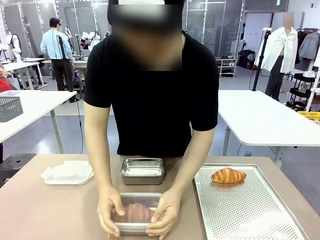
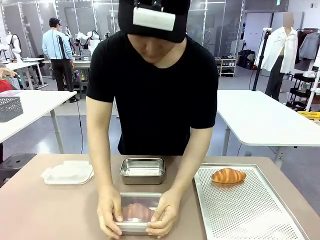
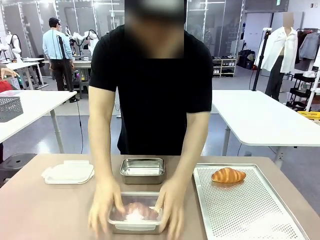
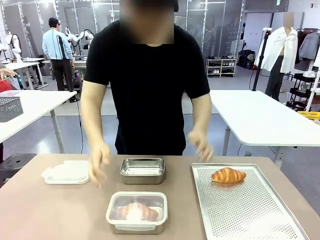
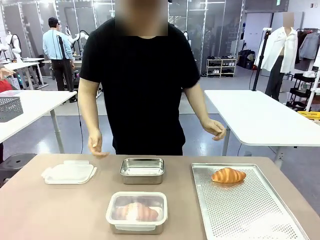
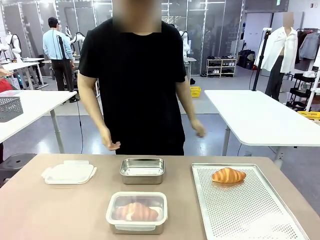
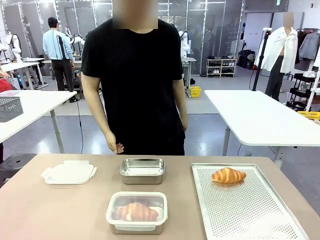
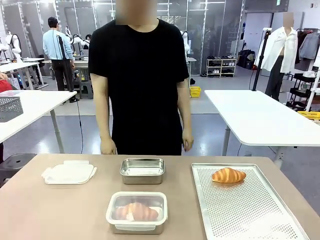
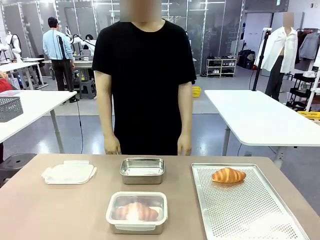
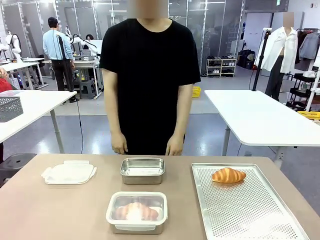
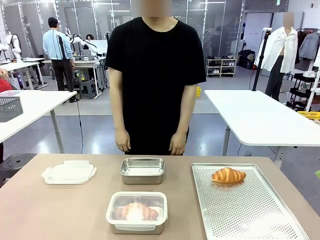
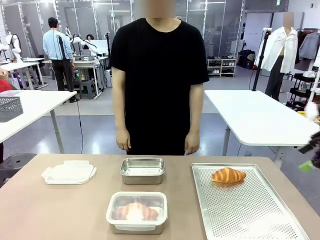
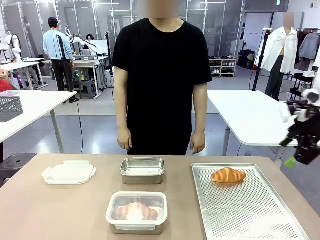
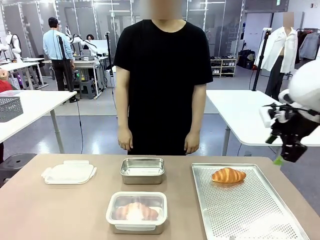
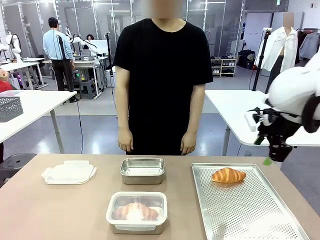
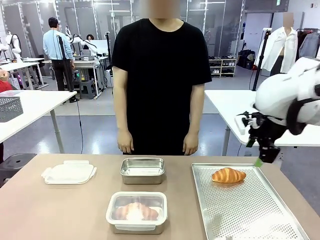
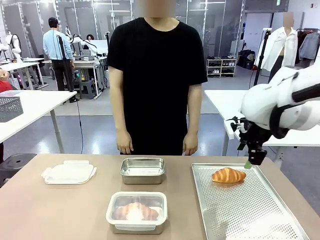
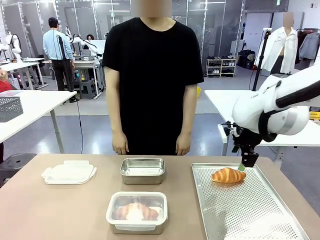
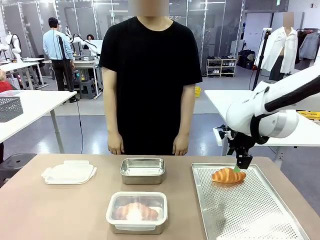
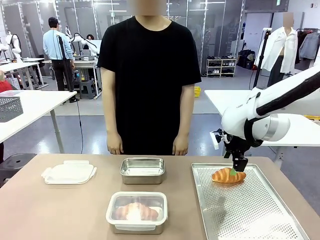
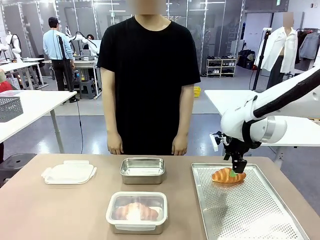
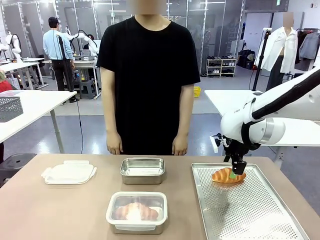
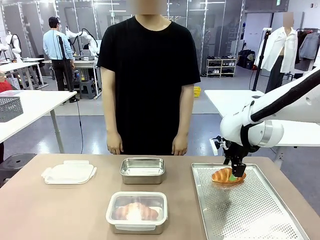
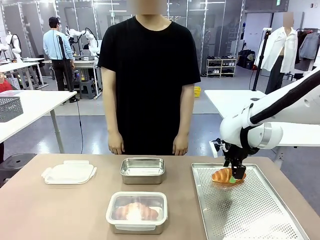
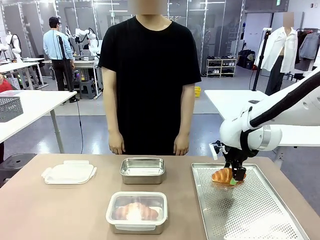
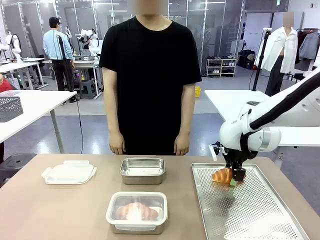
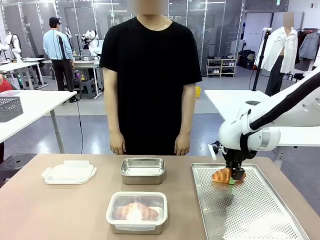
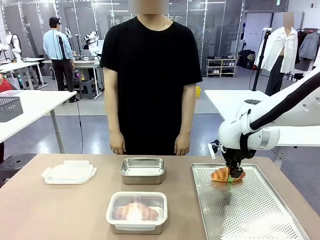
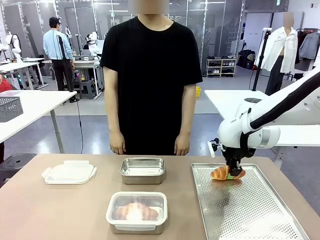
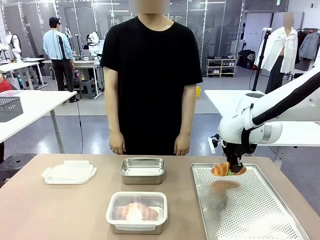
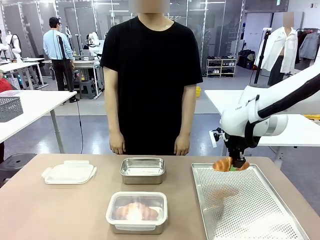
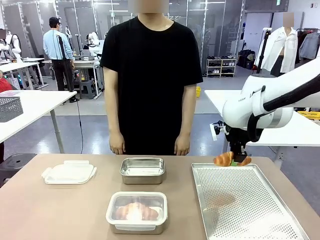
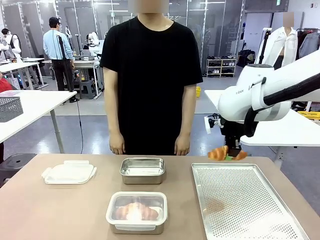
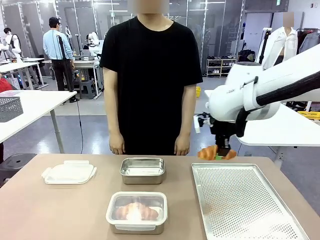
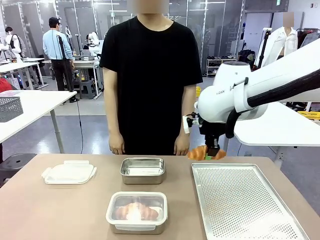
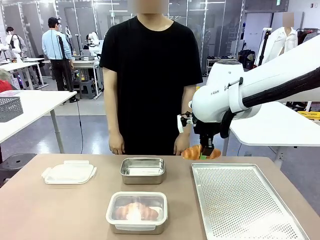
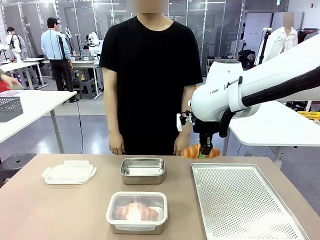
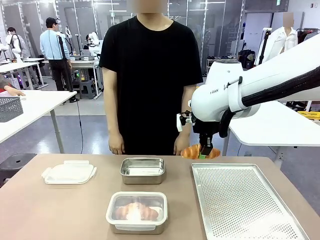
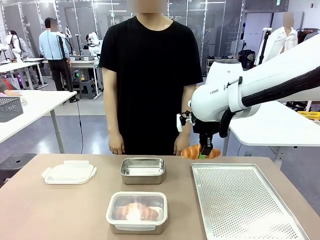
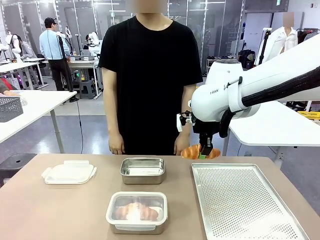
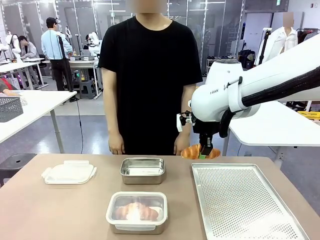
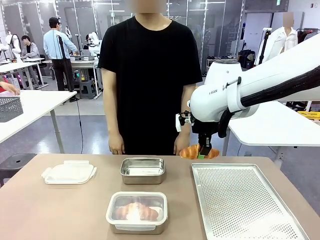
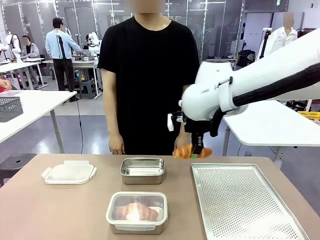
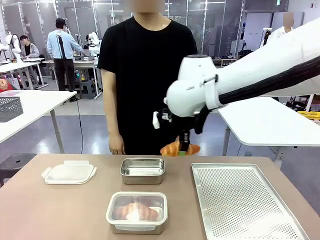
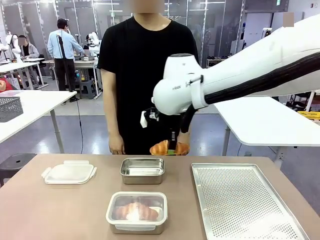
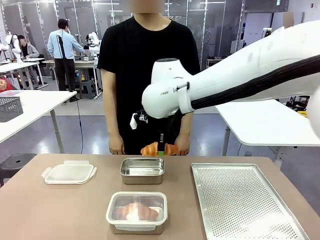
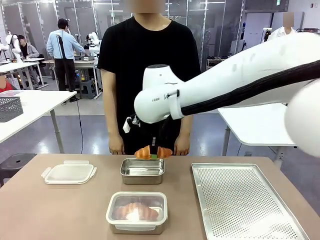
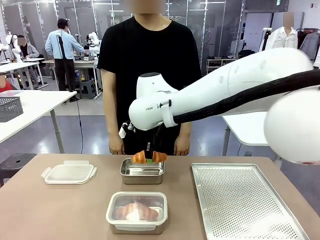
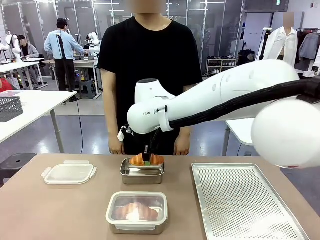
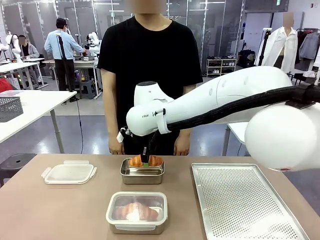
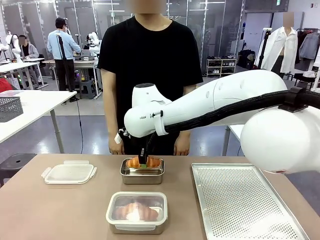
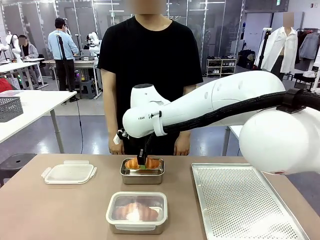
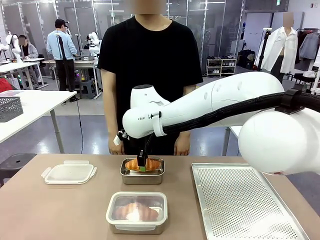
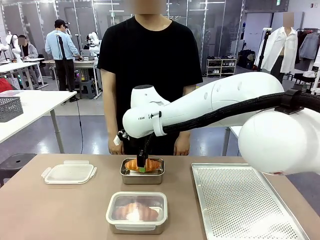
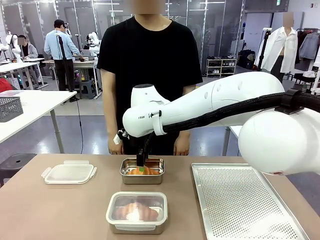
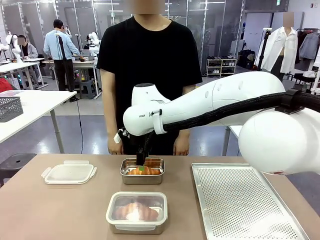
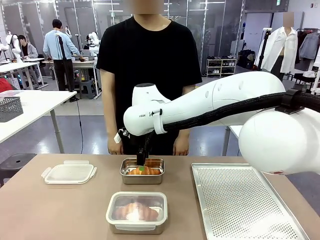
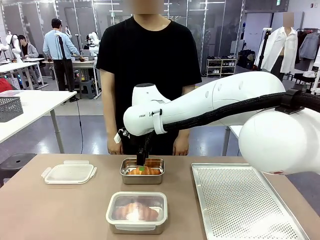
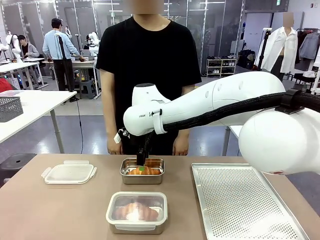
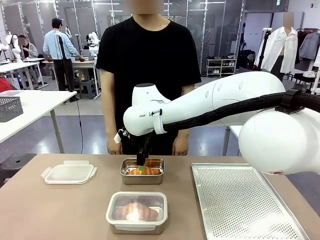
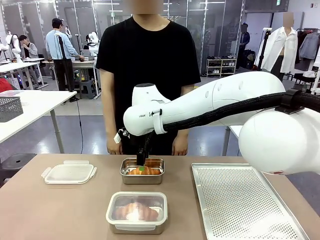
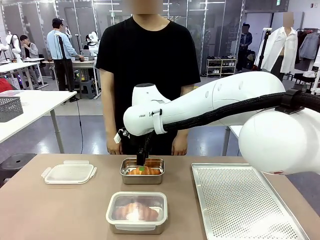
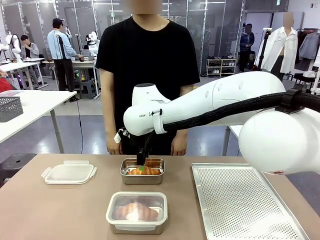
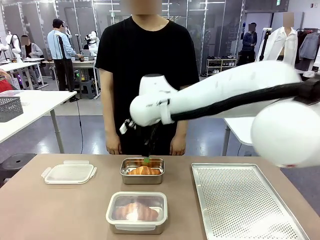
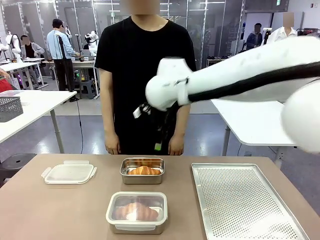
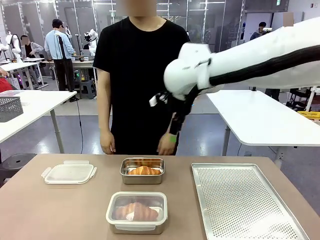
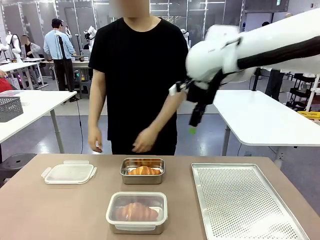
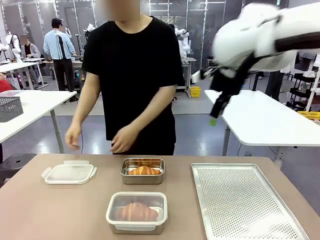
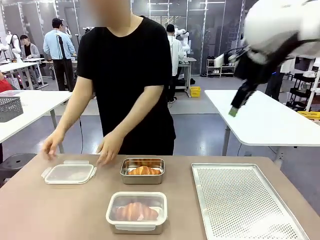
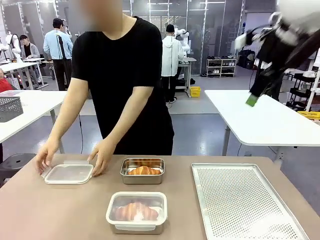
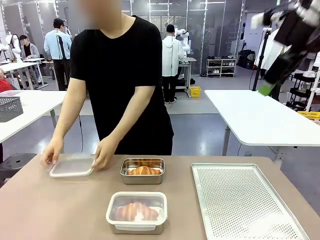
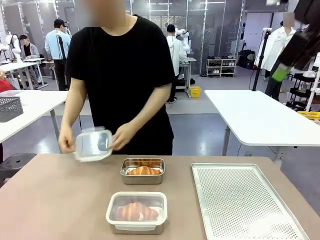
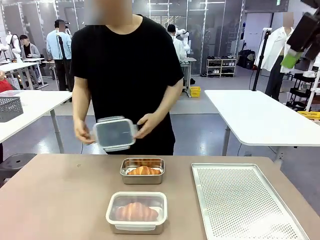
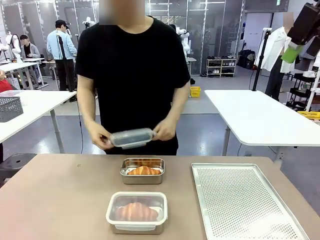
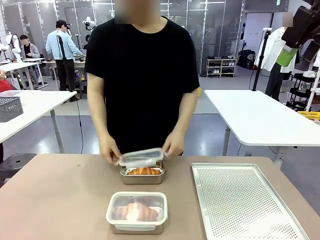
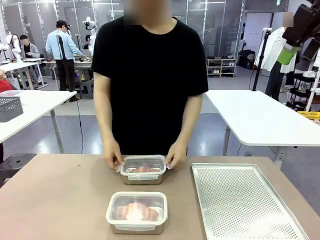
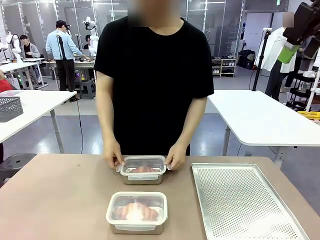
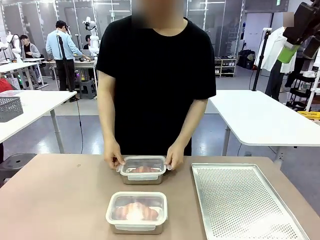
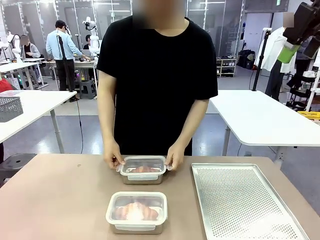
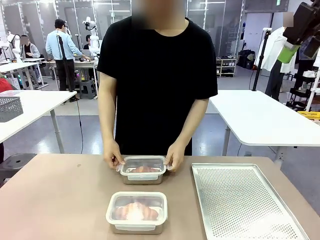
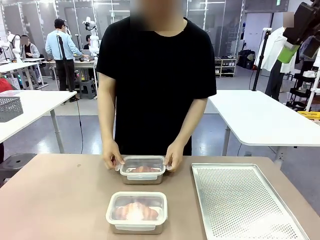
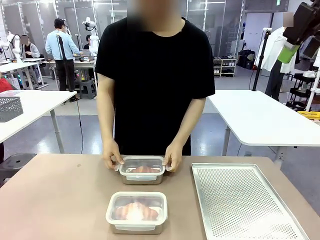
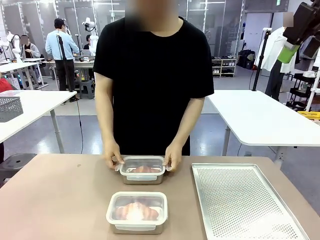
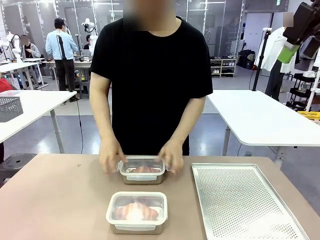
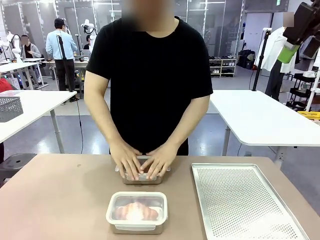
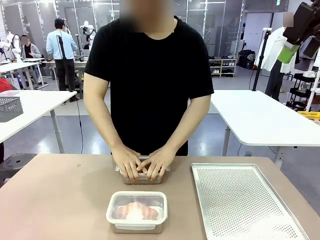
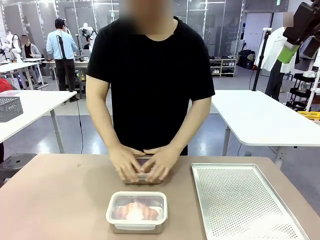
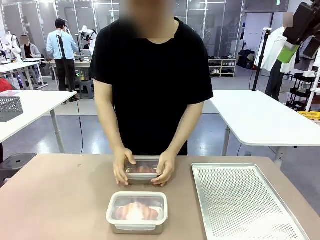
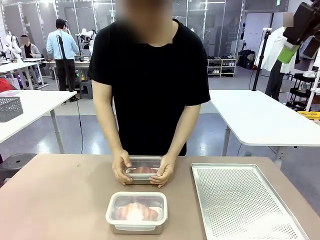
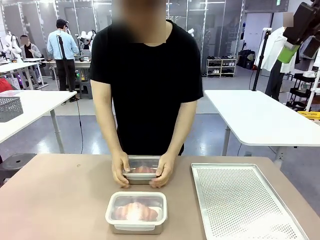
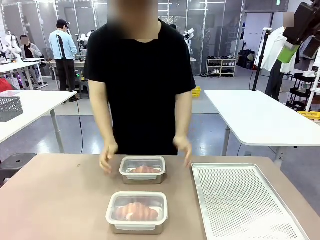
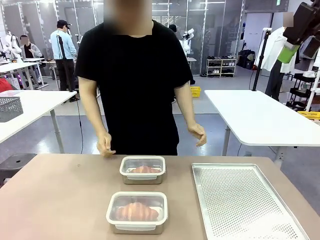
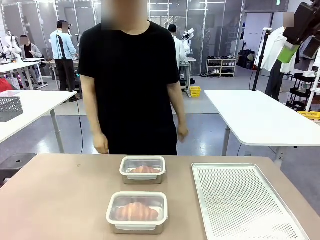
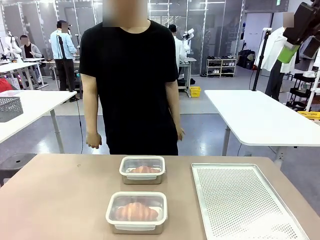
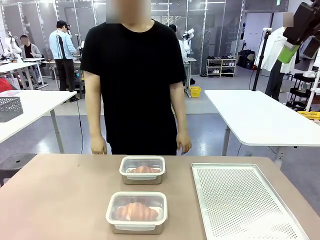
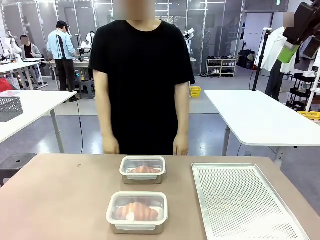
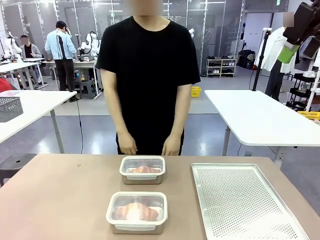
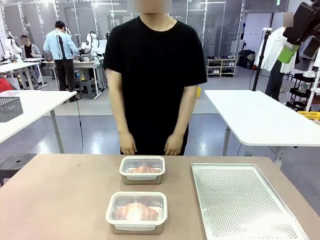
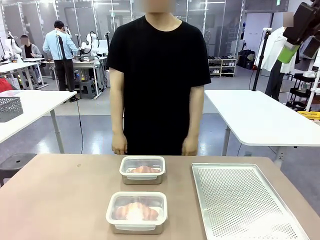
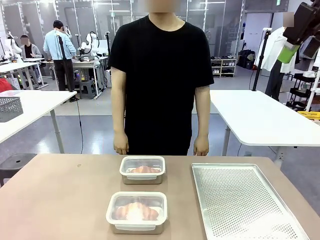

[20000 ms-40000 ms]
Task: Place the bread into the airtight container.
Robot: Pick up a Butter Roll and place it into an empty Airtight Container.
